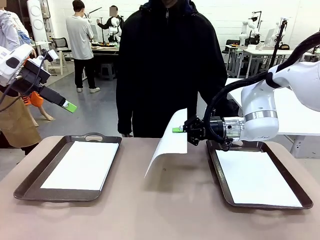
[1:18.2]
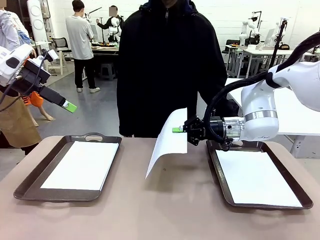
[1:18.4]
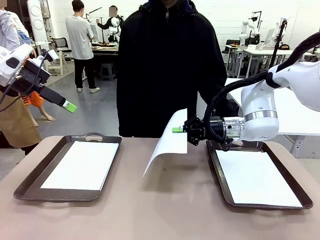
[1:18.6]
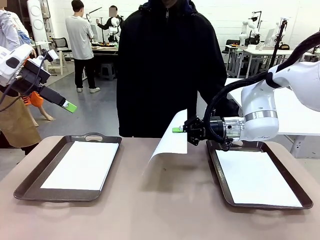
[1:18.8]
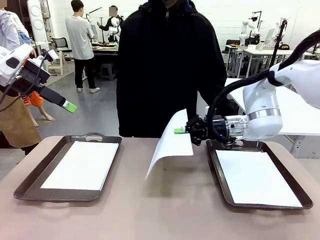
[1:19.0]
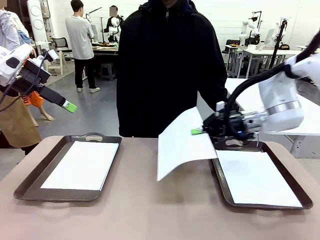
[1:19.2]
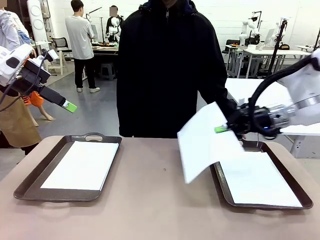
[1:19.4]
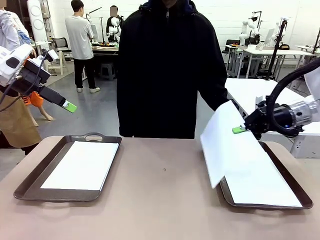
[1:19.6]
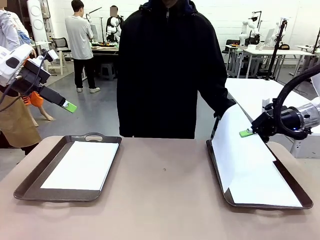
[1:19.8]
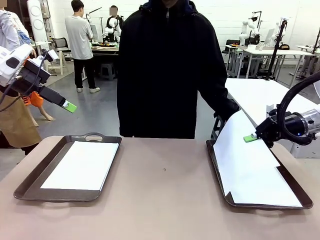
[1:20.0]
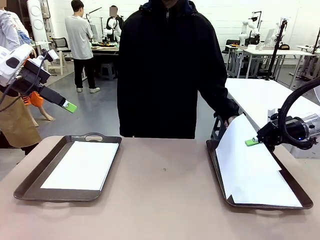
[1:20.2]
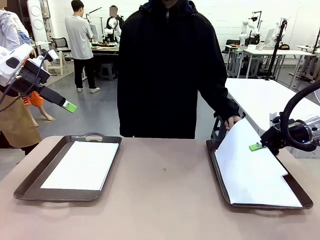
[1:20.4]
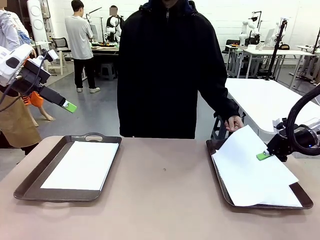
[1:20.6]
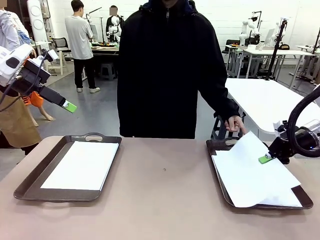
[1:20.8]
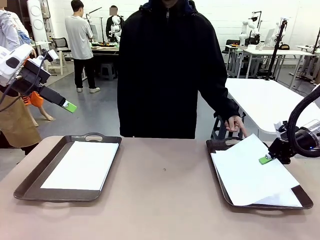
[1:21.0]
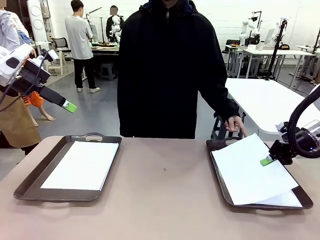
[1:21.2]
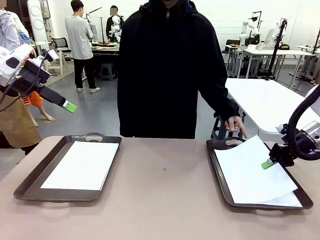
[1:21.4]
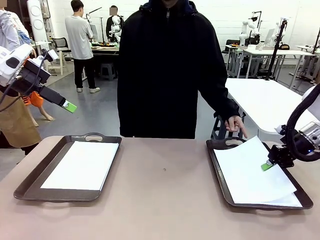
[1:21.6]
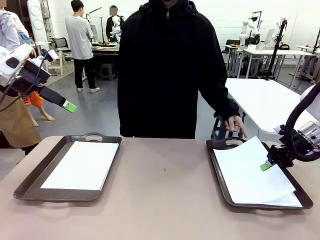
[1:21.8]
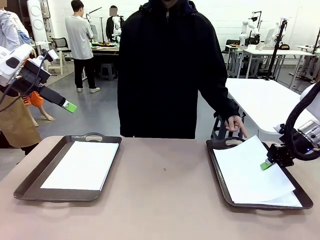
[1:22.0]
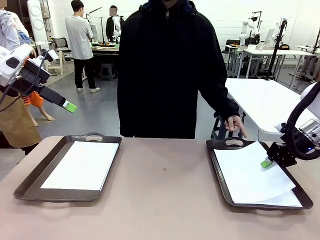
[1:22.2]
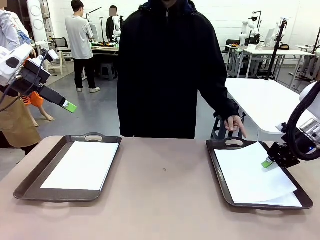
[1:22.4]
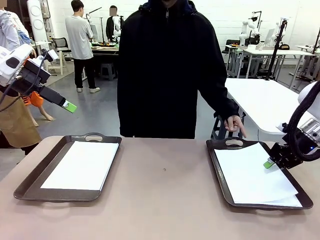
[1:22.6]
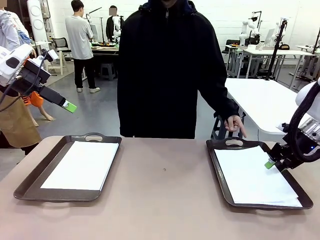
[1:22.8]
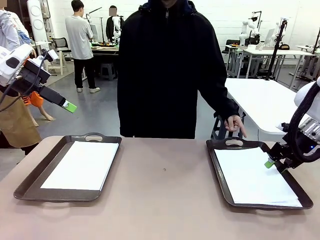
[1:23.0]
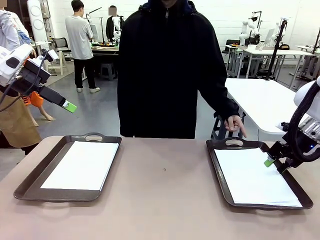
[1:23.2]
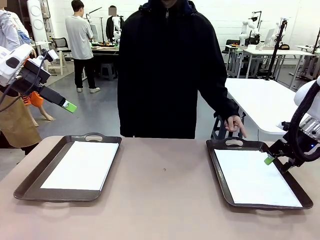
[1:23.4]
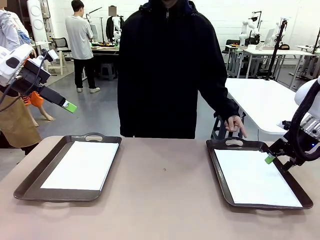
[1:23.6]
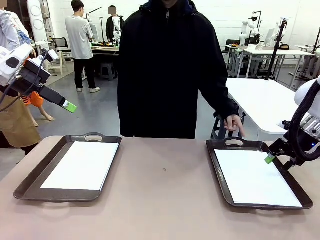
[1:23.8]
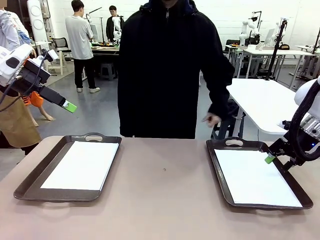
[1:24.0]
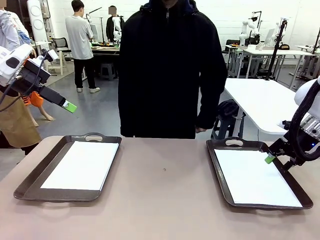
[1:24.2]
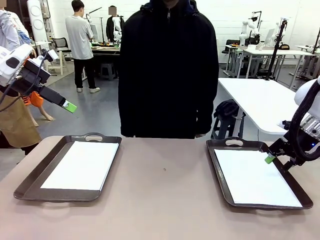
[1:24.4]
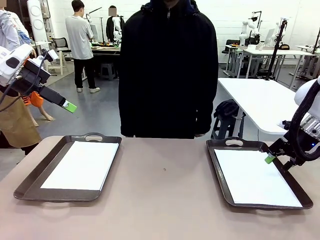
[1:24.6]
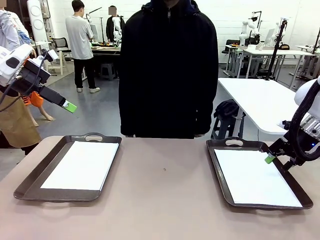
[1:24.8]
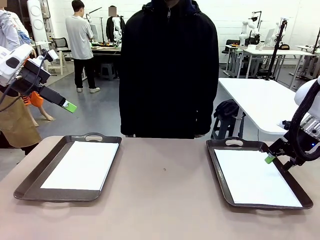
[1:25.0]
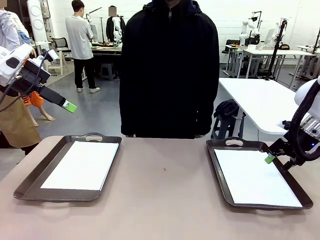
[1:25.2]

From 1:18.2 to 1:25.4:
Task: Sort the A4 documents.
Robot: Place the A4 Paper in the designated Handle tray.

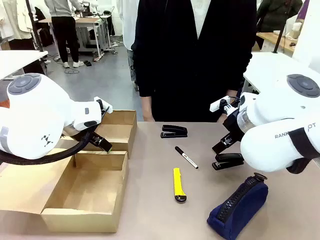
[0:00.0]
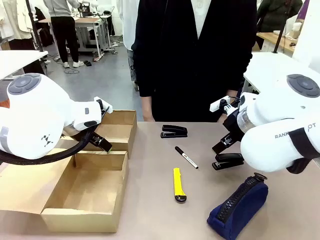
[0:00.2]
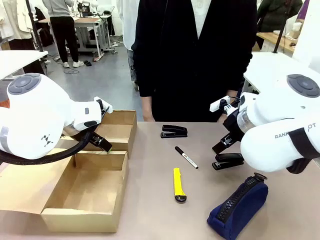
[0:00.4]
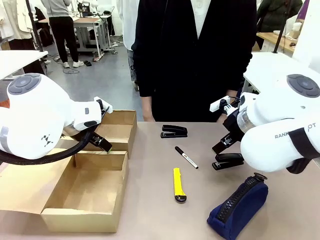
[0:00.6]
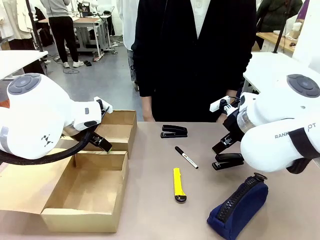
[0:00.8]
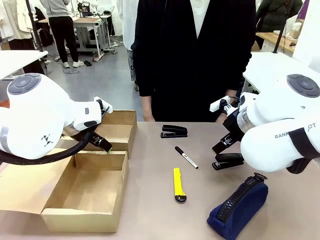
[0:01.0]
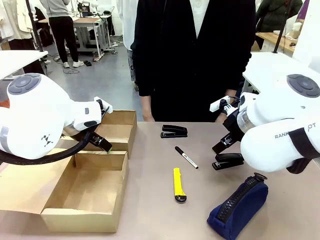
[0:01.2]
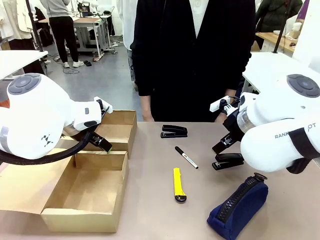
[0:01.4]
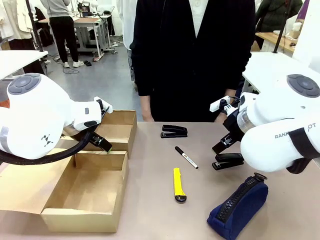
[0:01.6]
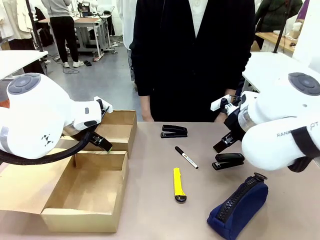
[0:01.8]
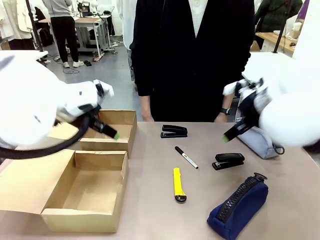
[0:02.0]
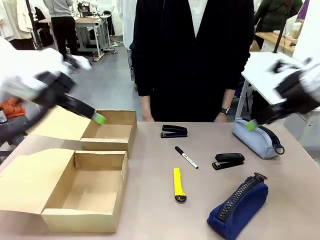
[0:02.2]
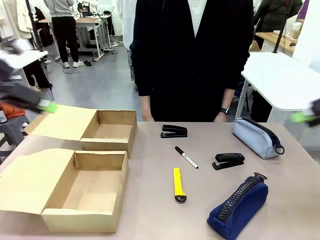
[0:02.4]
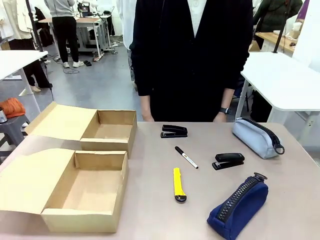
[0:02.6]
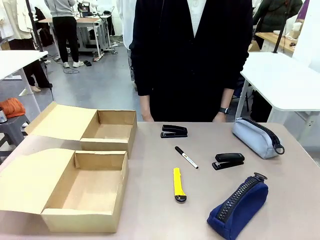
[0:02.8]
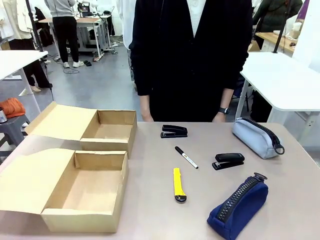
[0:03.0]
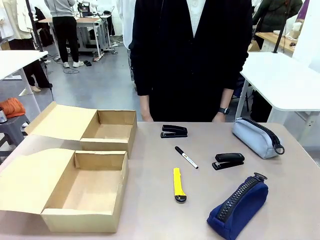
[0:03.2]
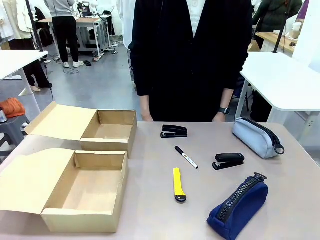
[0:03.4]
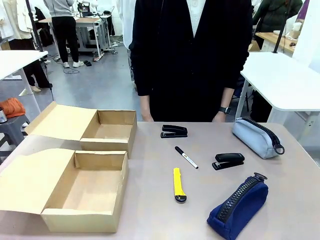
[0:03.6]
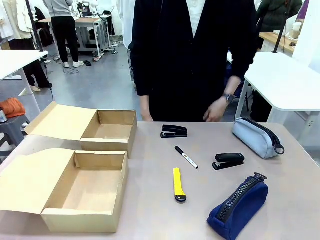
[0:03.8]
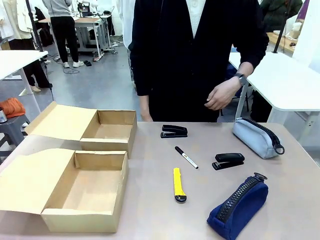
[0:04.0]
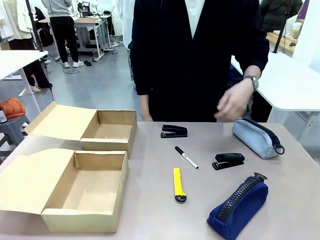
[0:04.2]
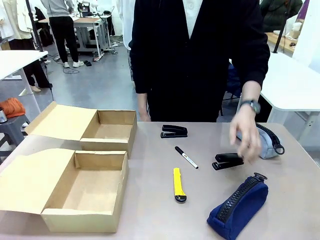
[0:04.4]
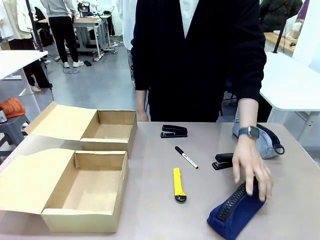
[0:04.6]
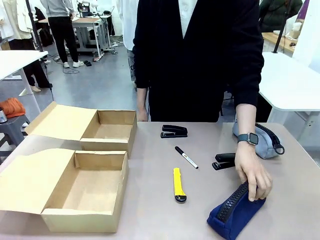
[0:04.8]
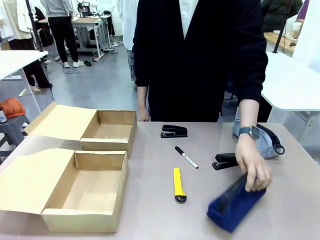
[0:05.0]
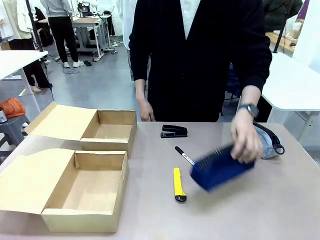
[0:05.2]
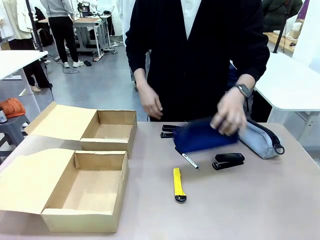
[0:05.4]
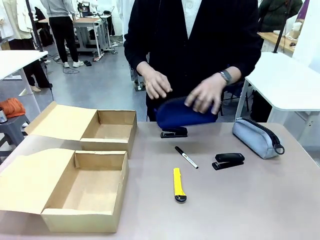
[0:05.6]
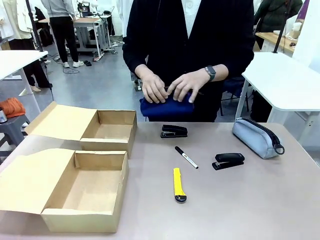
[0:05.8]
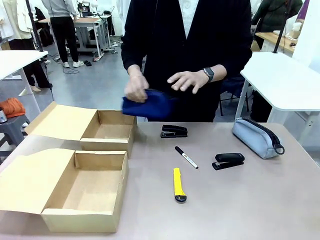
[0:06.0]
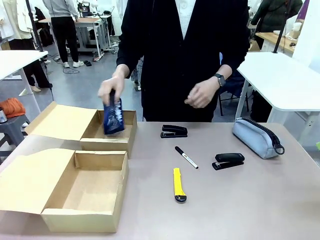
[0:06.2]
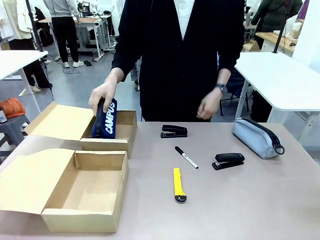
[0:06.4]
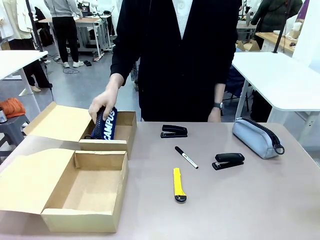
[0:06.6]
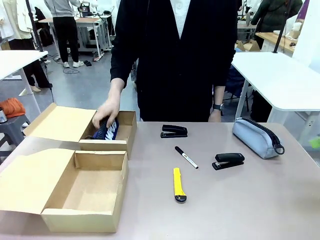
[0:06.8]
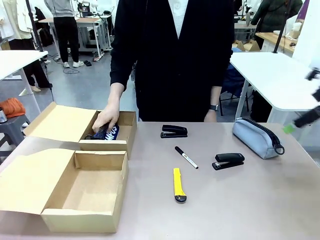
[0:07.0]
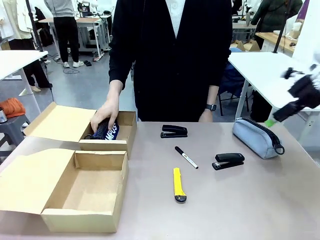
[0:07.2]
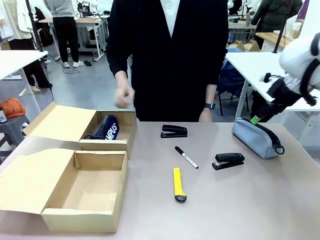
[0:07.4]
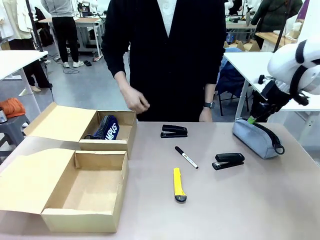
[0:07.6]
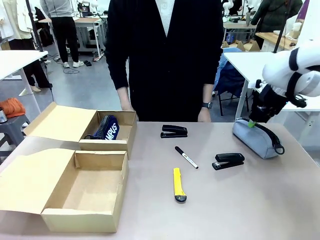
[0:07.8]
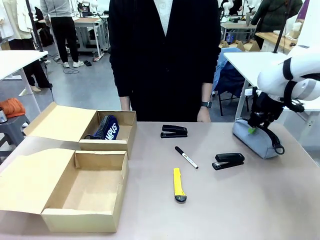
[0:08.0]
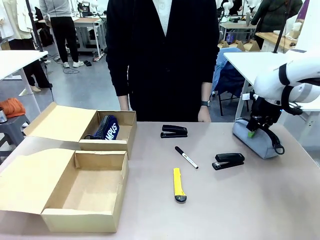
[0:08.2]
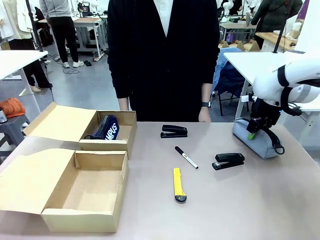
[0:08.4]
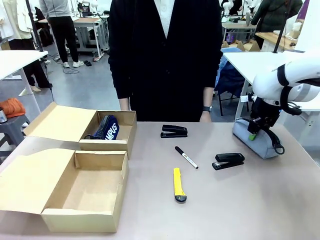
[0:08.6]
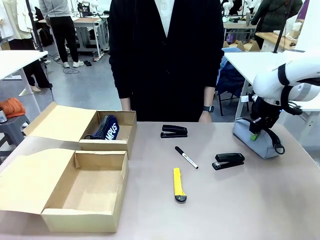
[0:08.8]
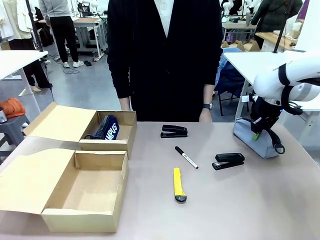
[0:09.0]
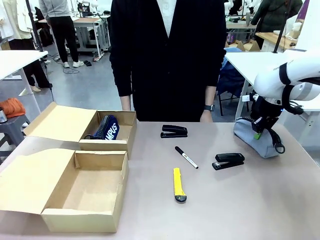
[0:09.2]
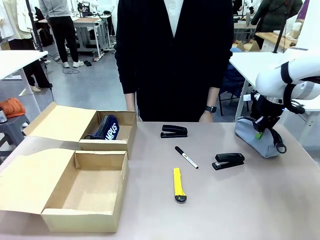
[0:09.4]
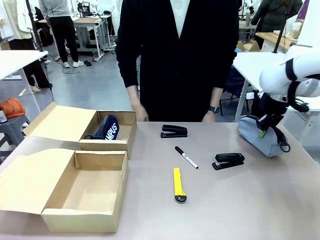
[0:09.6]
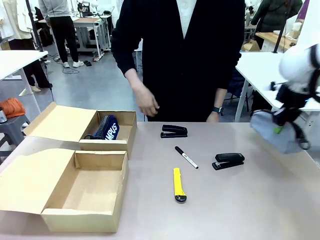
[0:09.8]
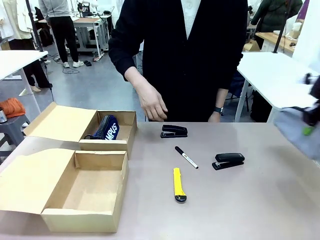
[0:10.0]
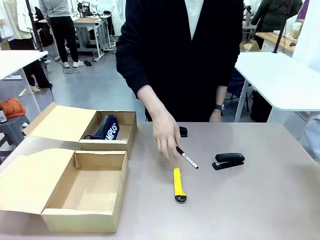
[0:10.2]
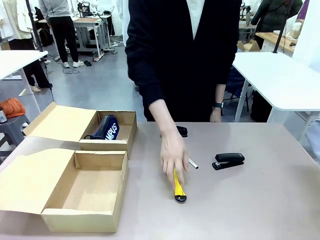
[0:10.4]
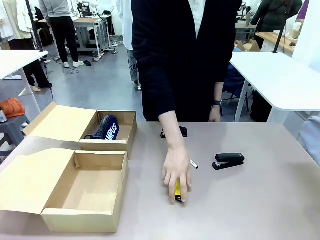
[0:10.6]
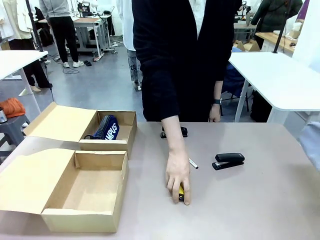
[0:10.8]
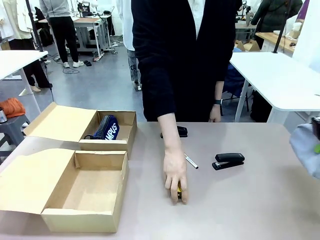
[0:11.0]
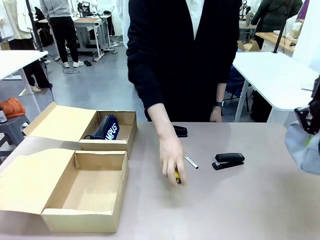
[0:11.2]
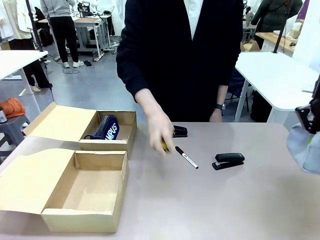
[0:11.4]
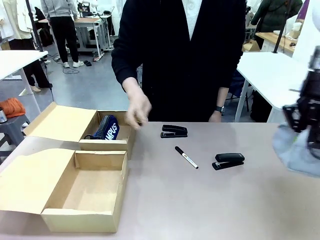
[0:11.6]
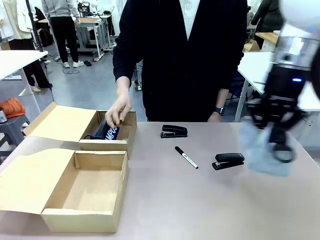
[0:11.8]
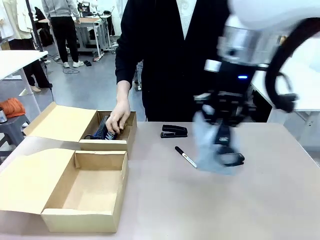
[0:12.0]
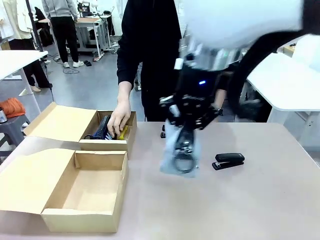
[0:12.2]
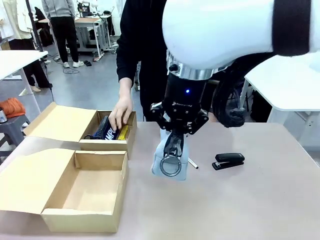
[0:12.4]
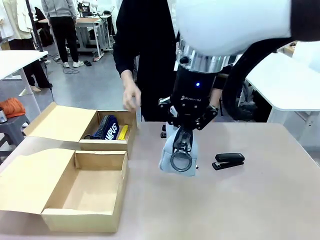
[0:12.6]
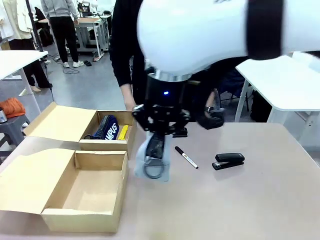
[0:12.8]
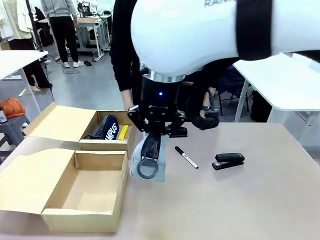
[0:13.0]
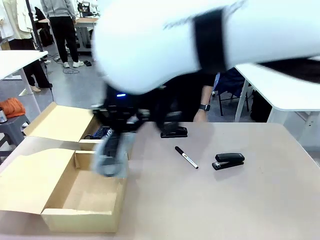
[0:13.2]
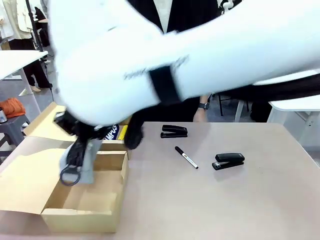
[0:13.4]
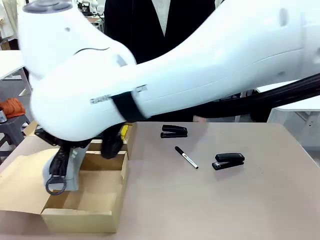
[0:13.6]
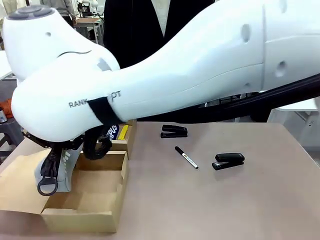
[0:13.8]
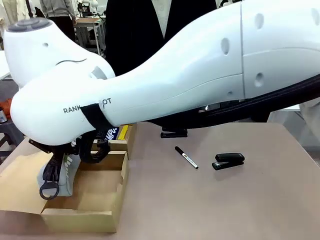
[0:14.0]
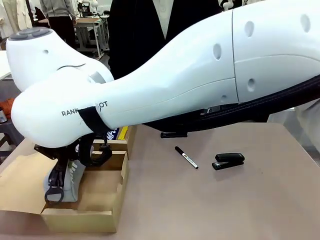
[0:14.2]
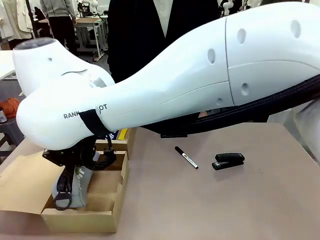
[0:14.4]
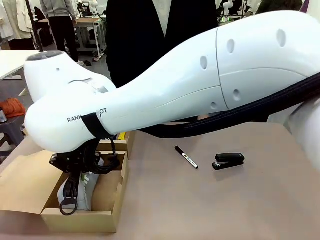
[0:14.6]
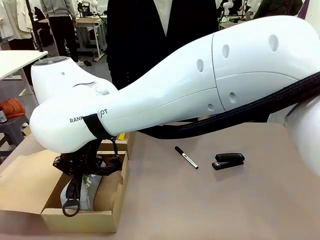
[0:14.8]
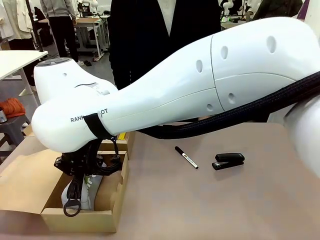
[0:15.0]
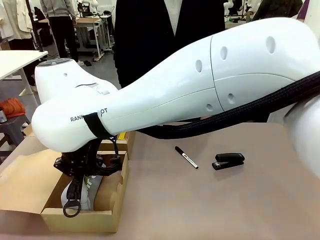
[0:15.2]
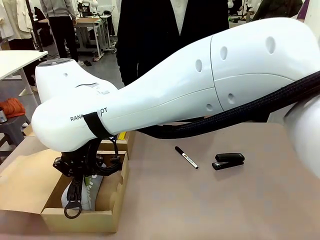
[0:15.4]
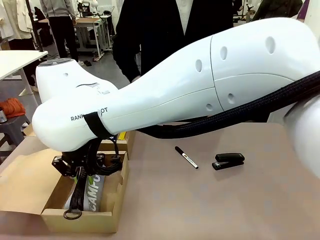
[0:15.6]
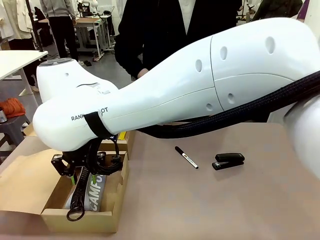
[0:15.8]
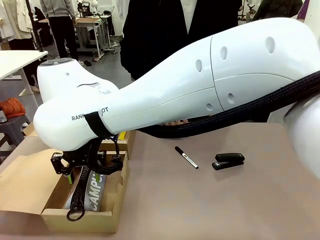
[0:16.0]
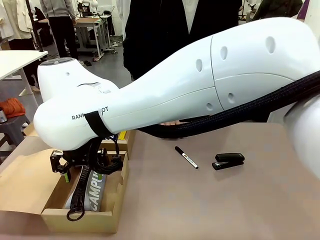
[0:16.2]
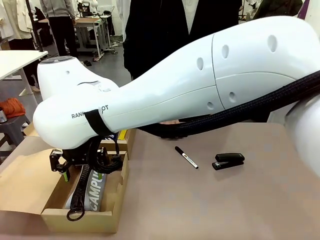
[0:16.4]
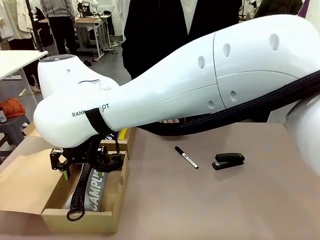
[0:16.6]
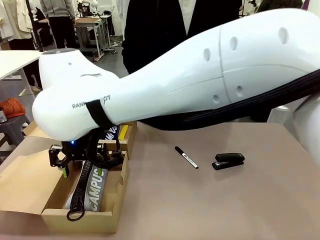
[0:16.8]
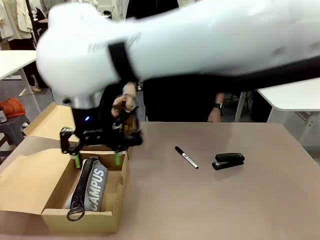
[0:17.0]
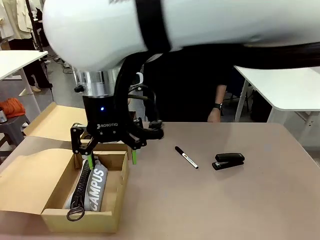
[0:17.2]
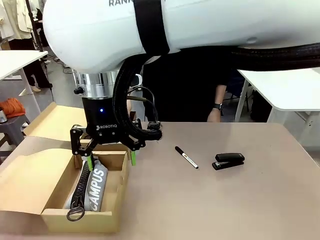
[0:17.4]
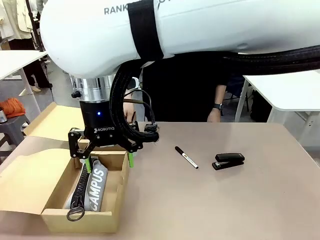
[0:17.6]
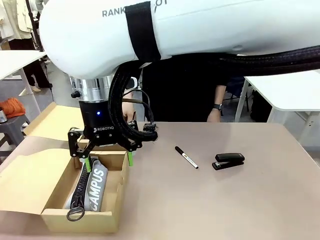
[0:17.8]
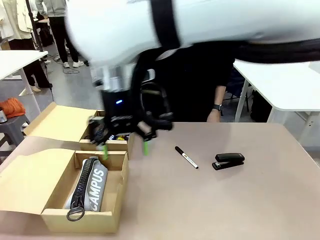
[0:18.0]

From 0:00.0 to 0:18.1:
Task: Place items inside the box.
Robot: Pick up a Pencil pouch or Stapler and place it inside the Mailer Box closest to the robot.
Person: Pick up an object on the table and put it in the box.
